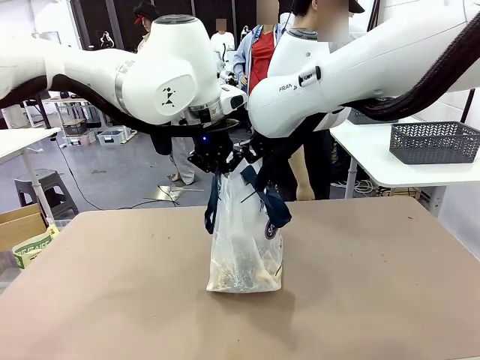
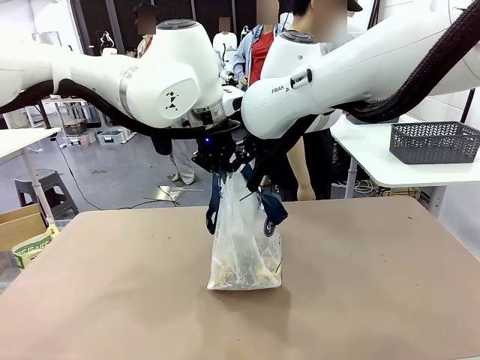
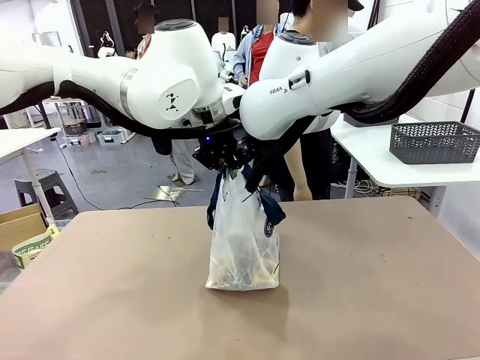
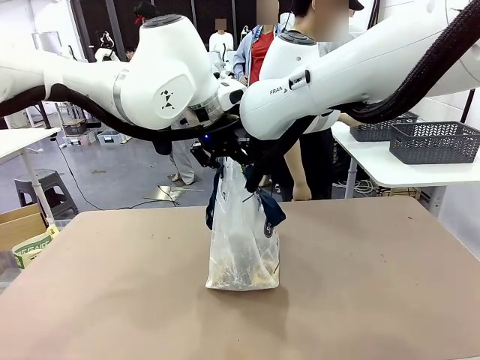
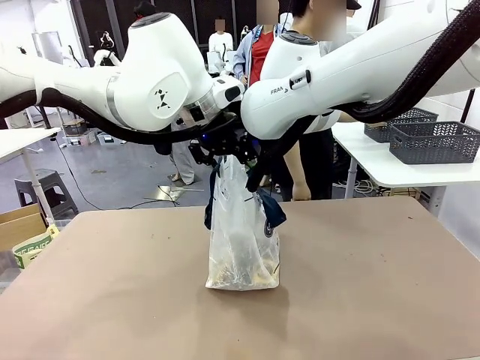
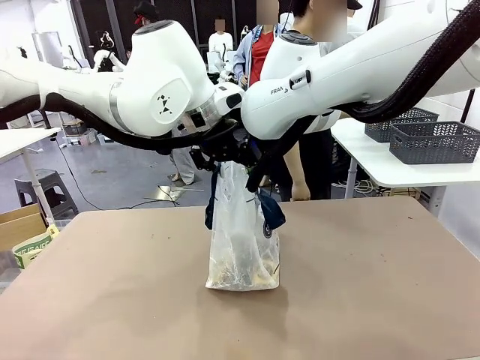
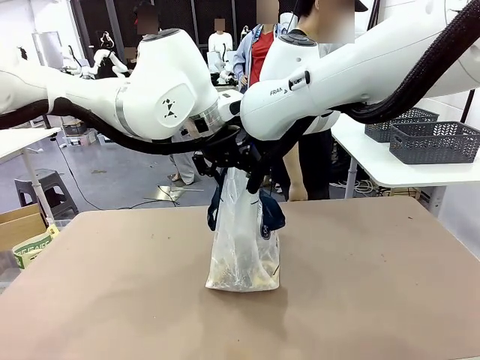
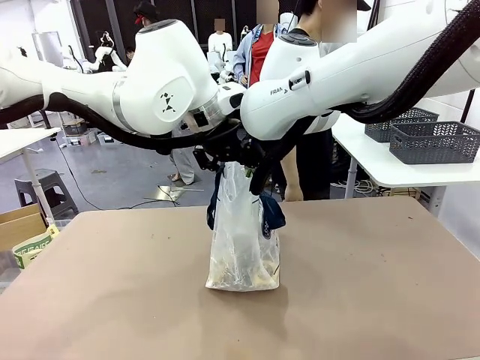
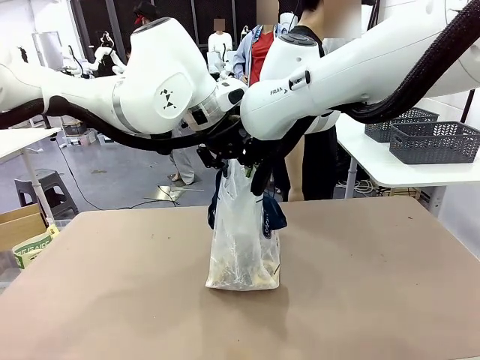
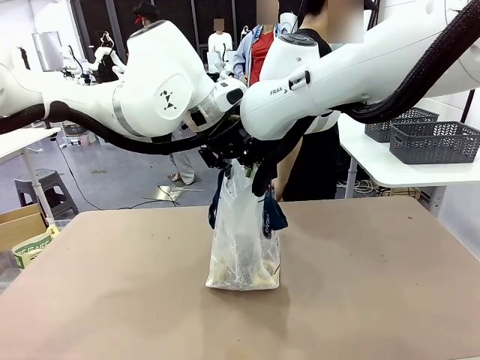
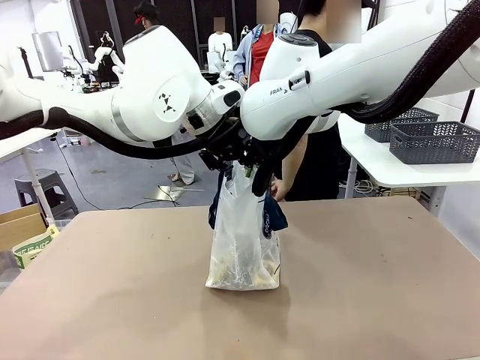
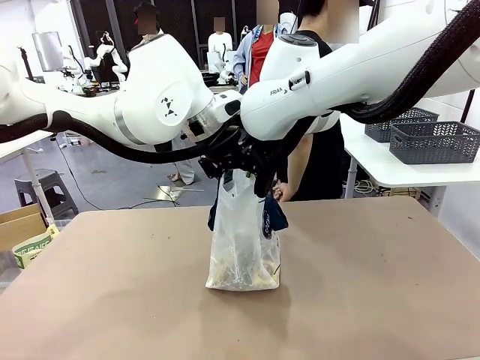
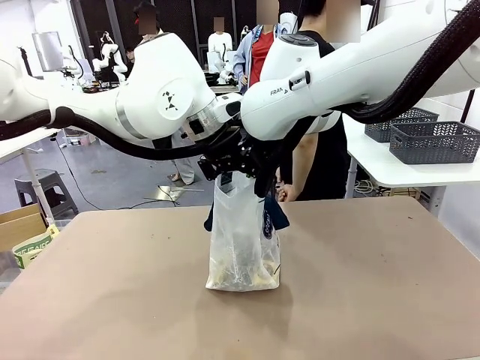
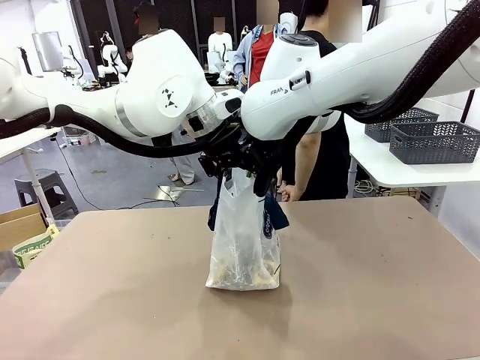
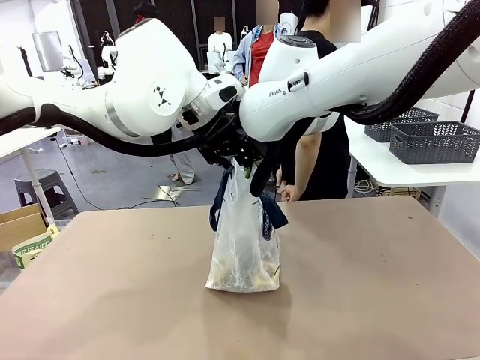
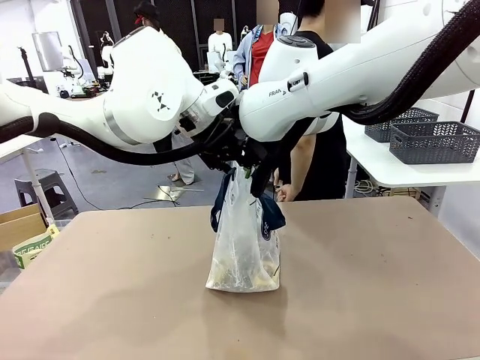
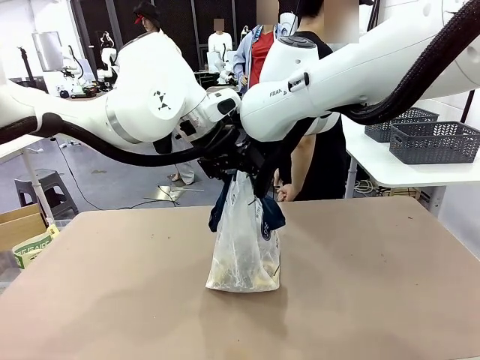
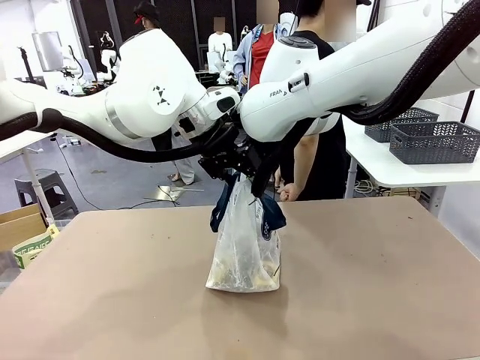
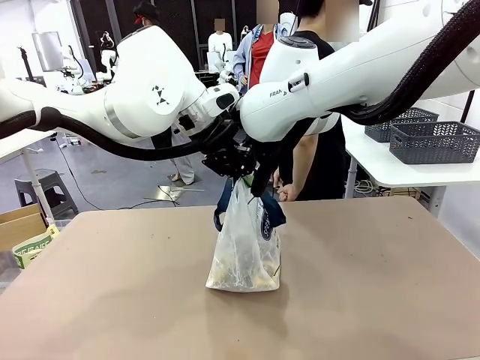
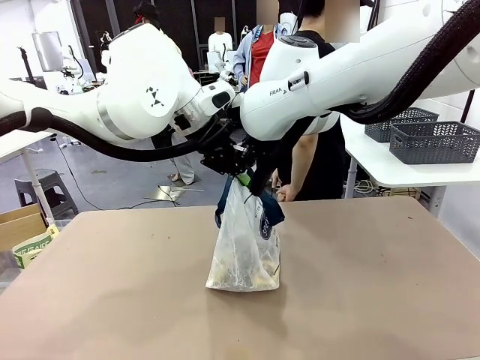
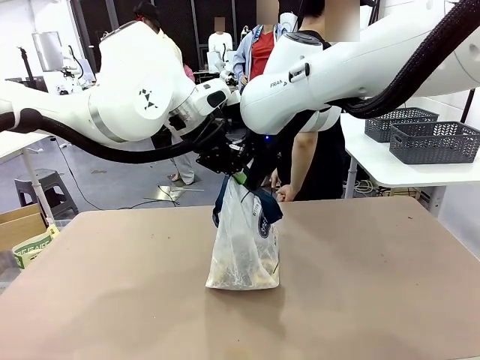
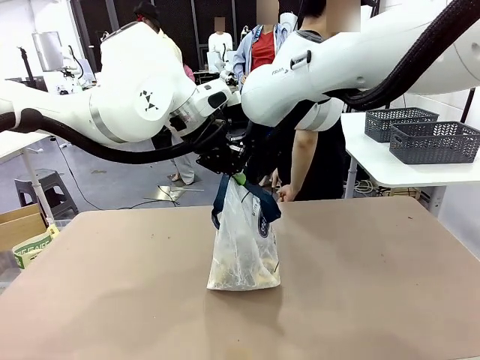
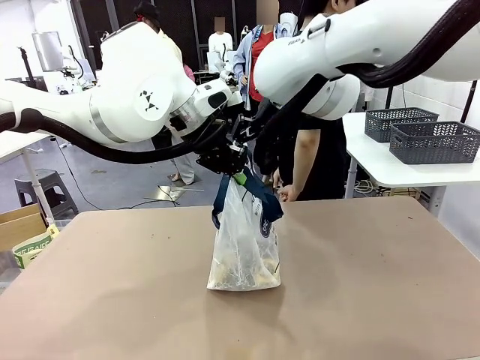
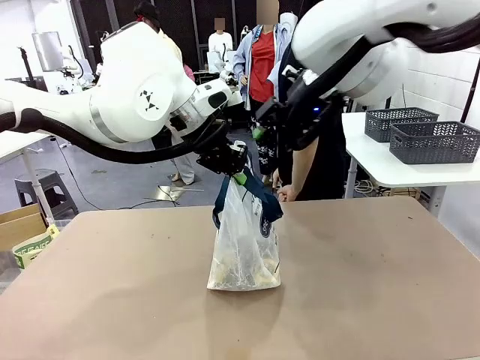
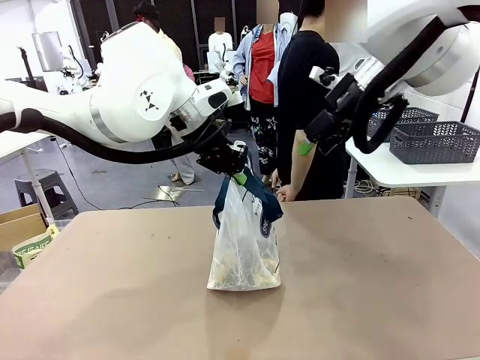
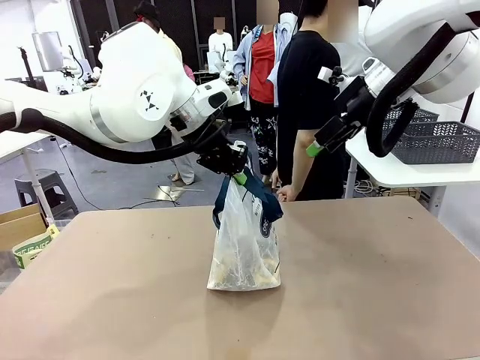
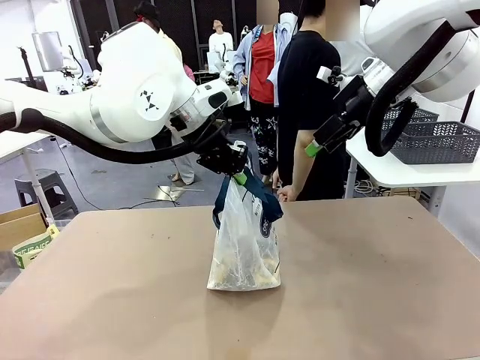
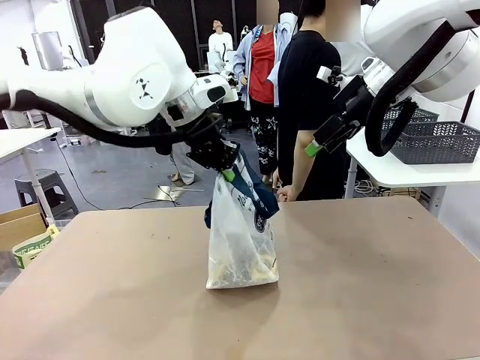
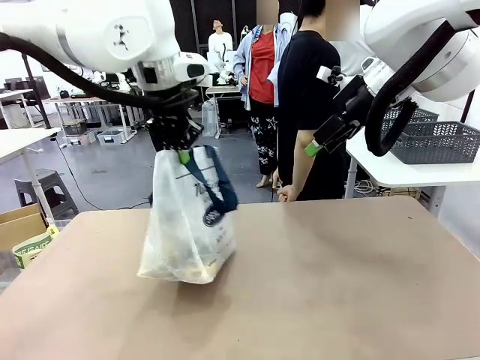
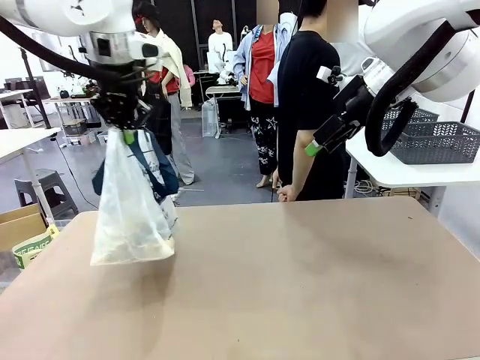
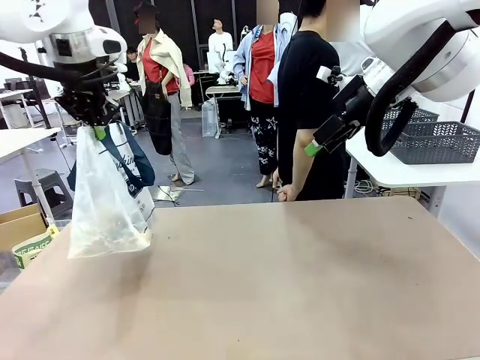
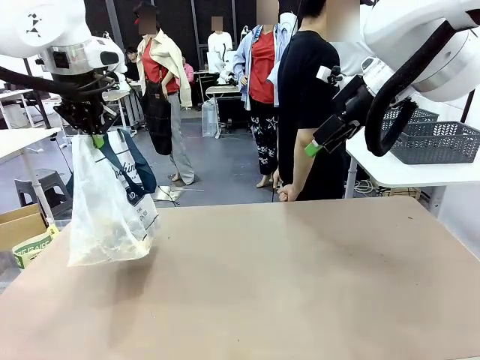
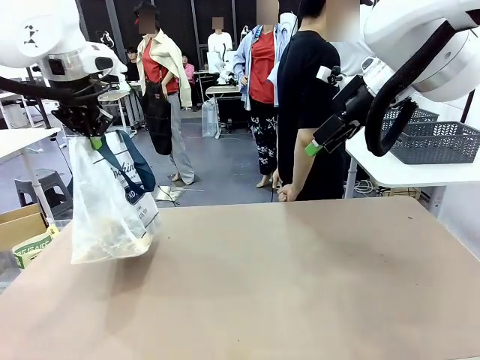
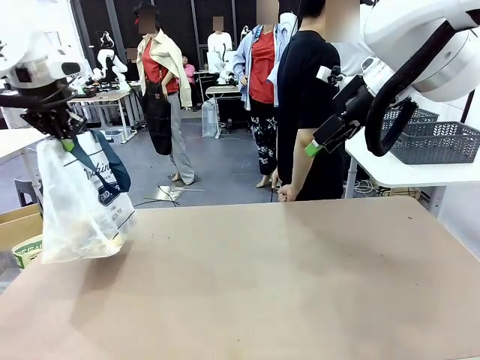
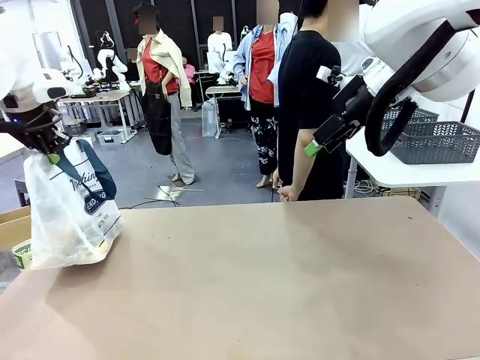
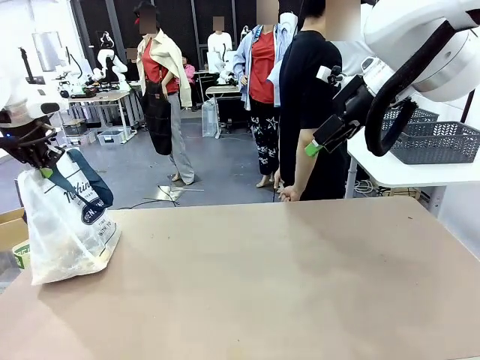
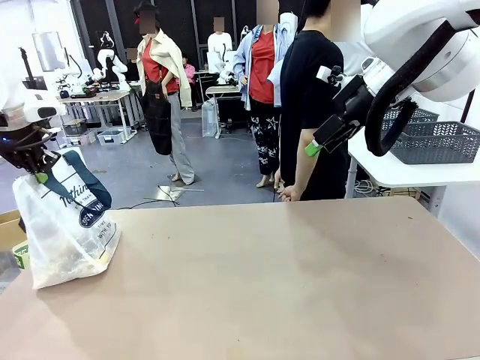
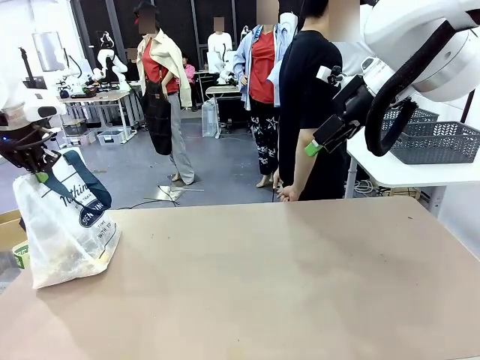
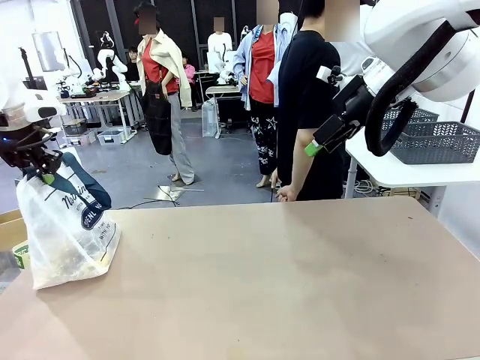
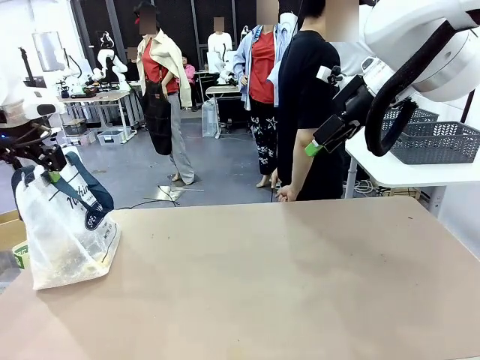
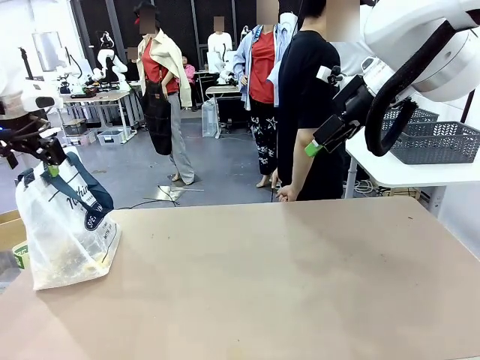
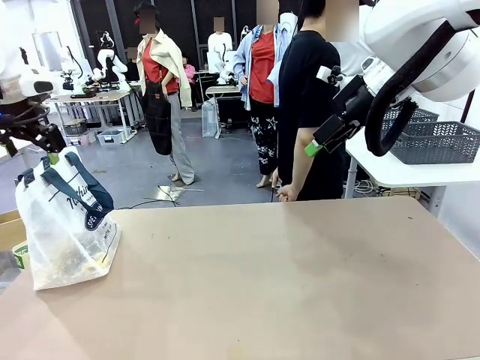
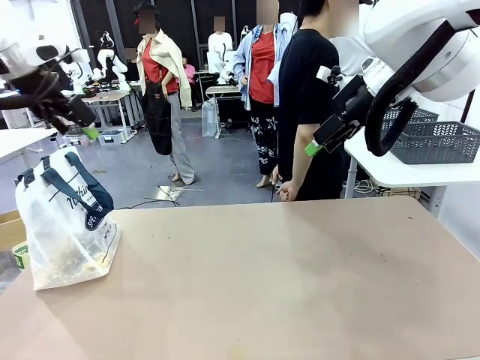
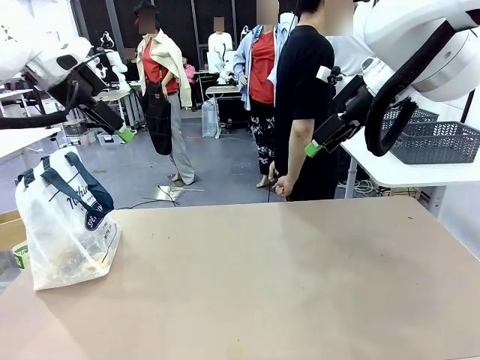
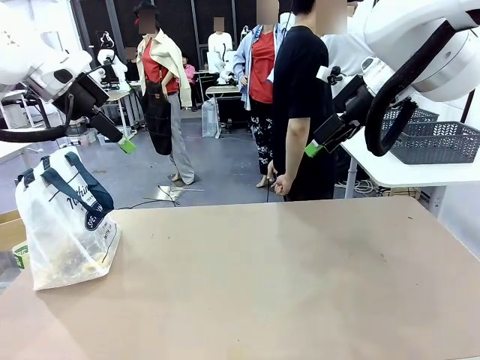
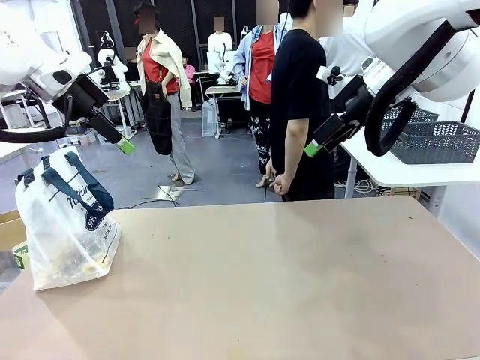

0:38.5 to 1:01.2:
Task: Transfer purchased items from the store into the shopping bag.
Robot: Move the Reusable shopping bag to the right side of the table.
Person: Move the basket on the left to the middle of the person's table.

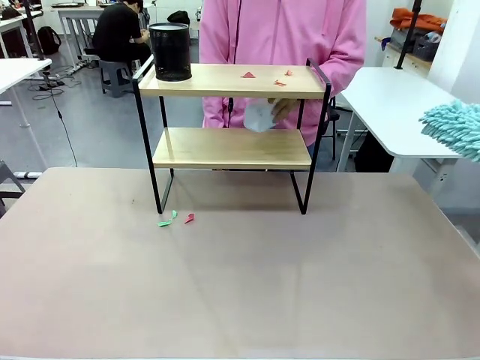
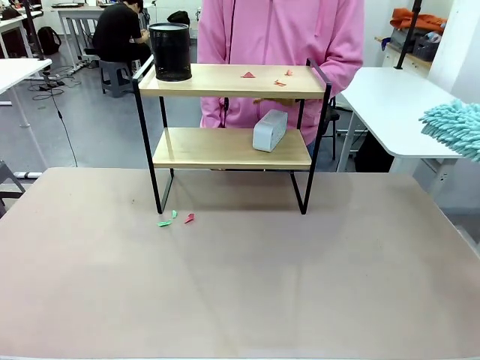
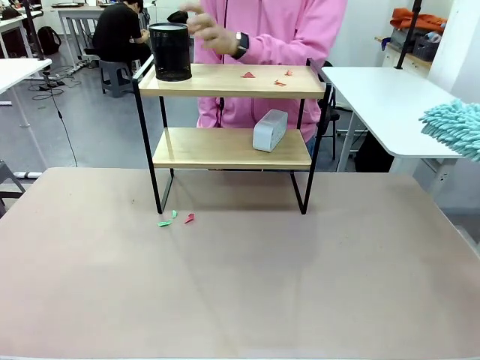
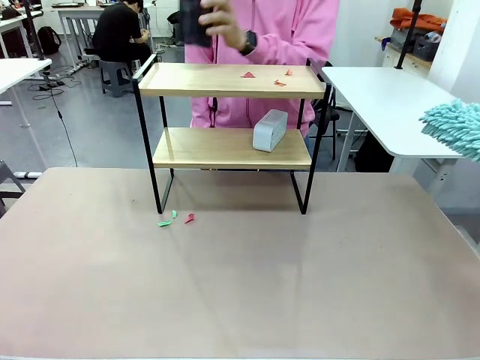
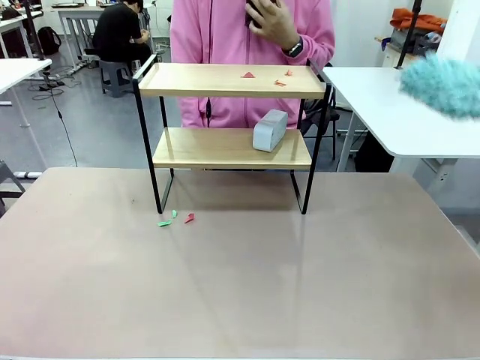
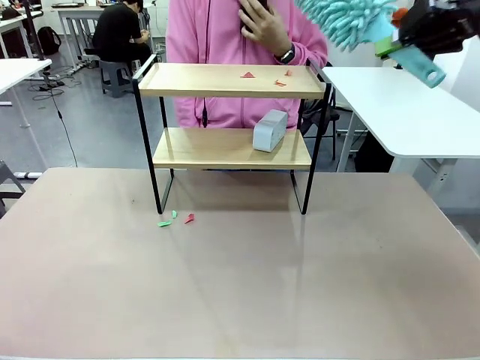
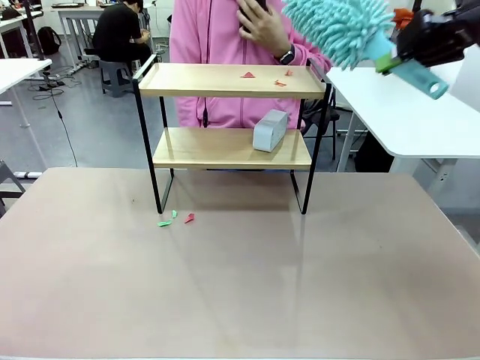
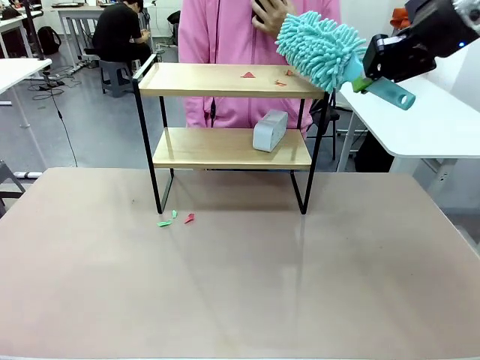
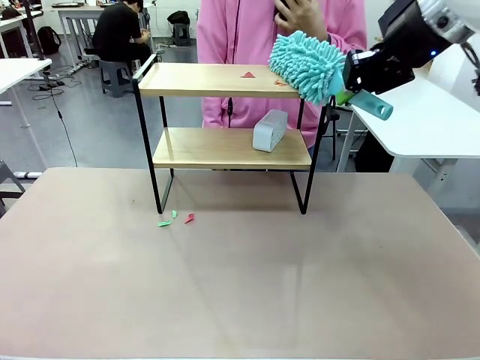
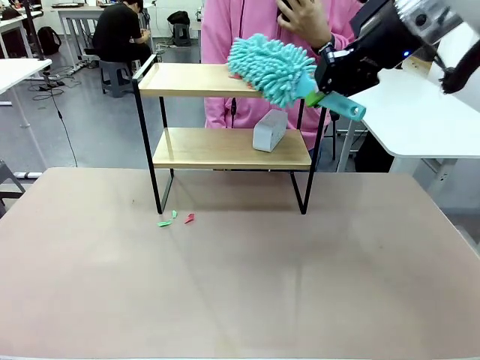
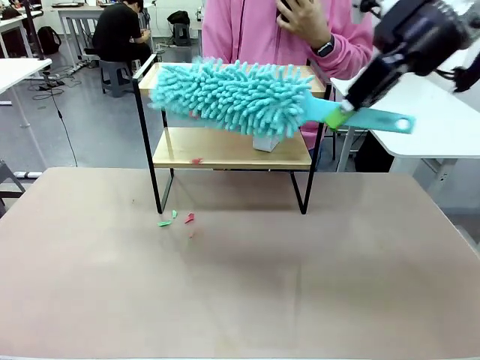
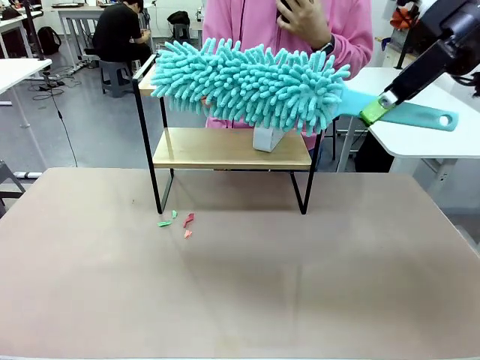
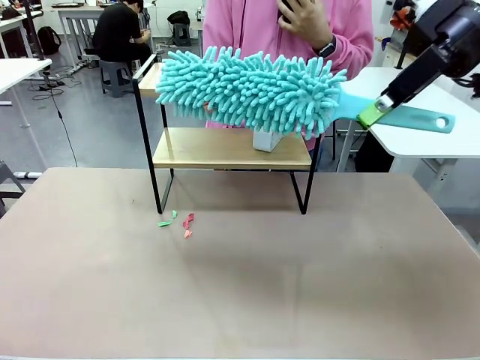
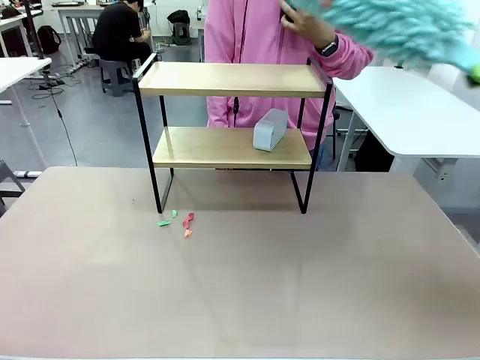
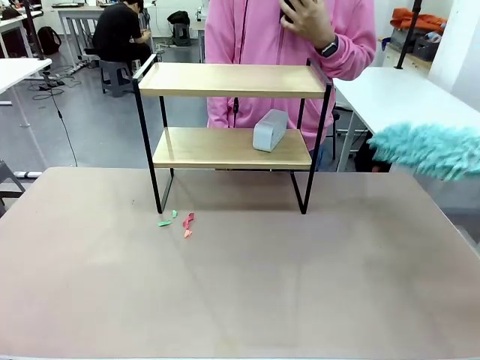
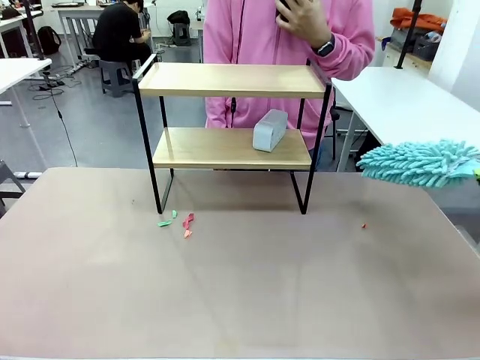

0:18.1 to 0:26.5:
Task: Clean the shelf.
Robot: Clean the remaining tier of the Shelf with the Duster once objects are removed.
